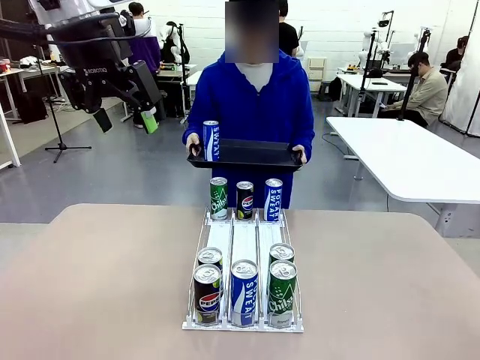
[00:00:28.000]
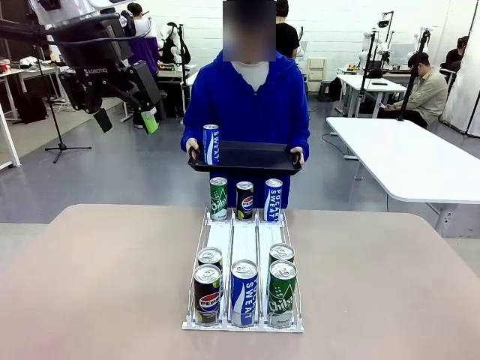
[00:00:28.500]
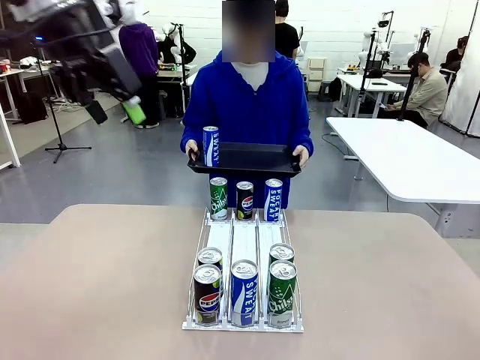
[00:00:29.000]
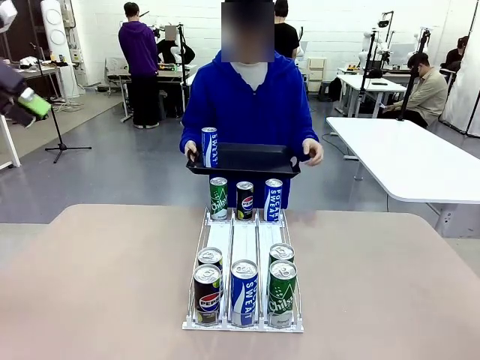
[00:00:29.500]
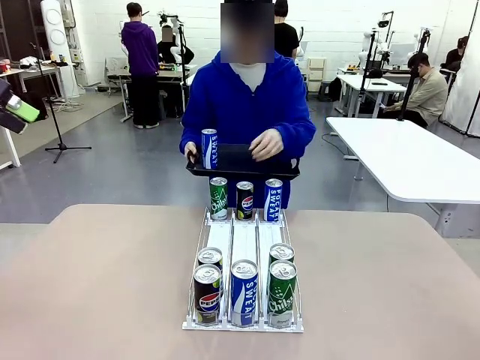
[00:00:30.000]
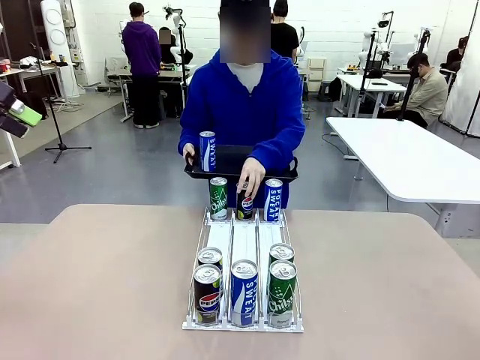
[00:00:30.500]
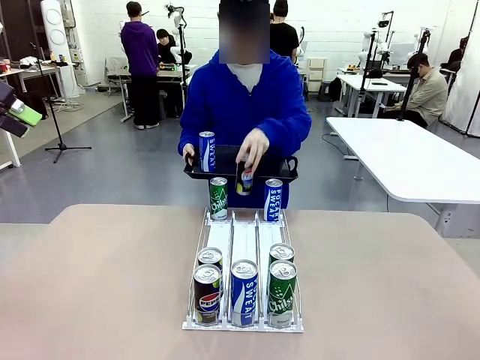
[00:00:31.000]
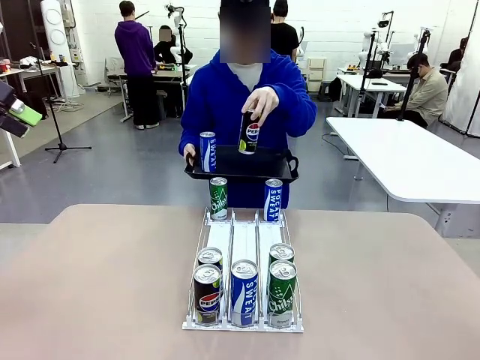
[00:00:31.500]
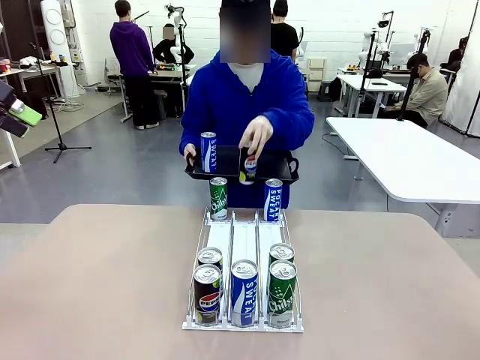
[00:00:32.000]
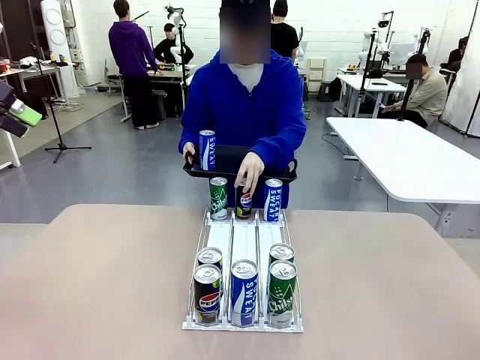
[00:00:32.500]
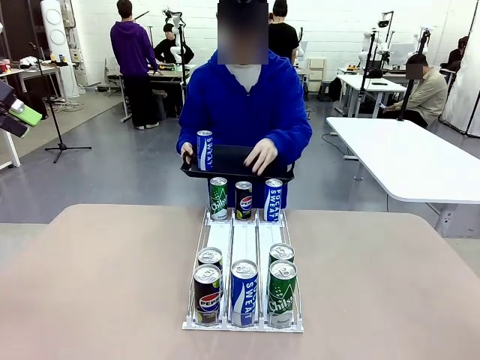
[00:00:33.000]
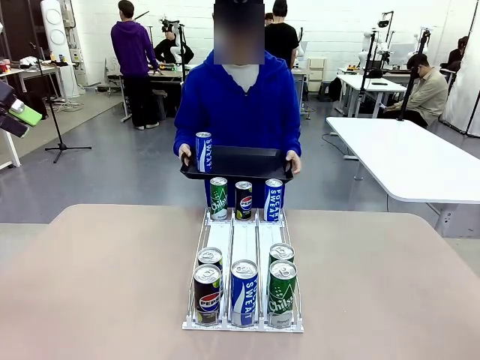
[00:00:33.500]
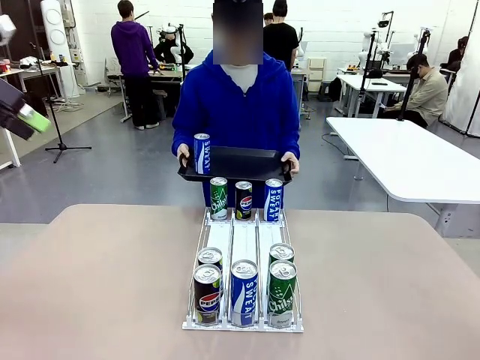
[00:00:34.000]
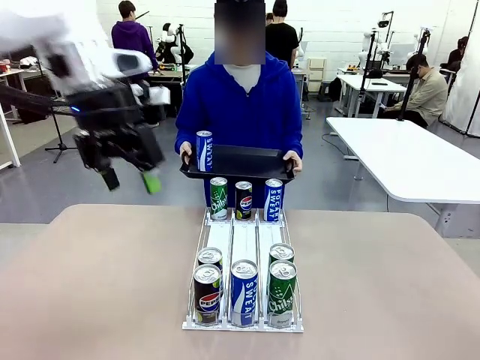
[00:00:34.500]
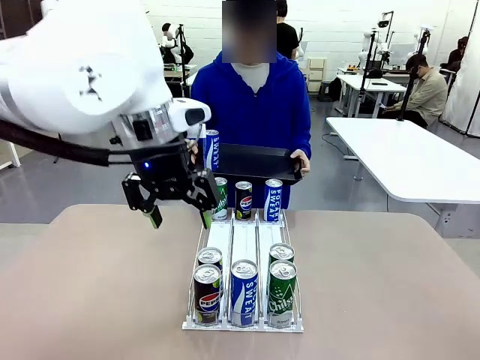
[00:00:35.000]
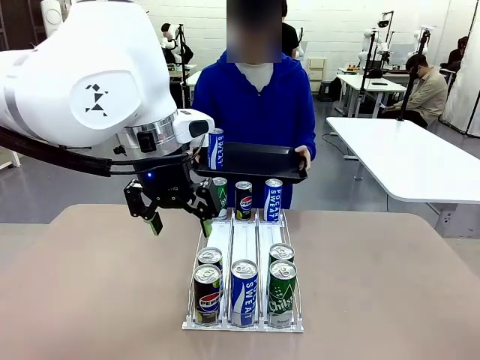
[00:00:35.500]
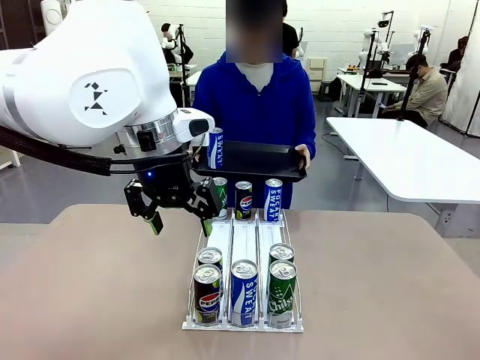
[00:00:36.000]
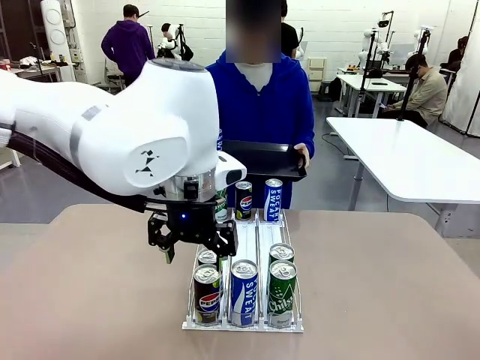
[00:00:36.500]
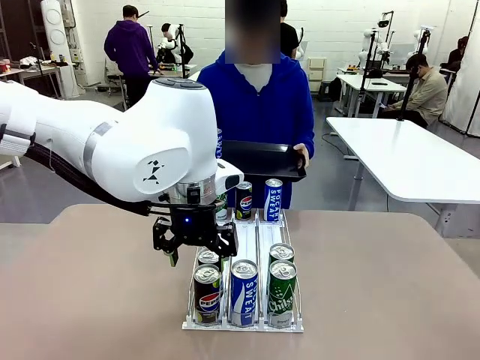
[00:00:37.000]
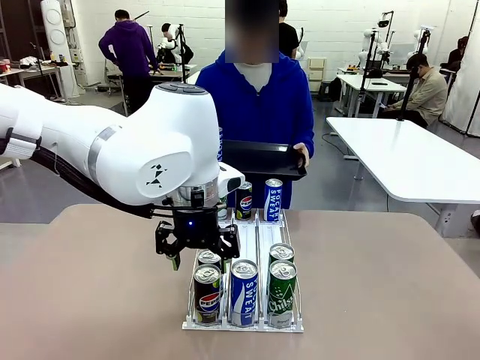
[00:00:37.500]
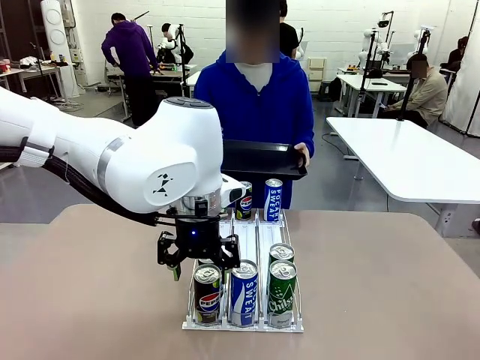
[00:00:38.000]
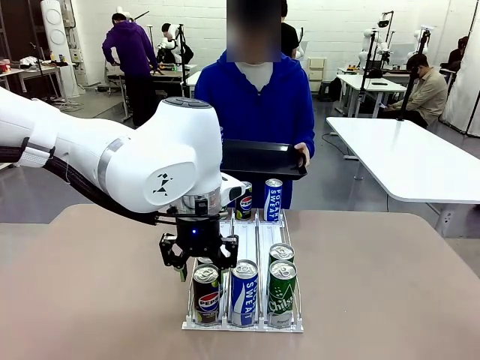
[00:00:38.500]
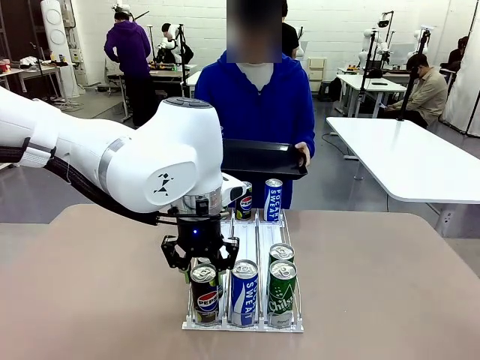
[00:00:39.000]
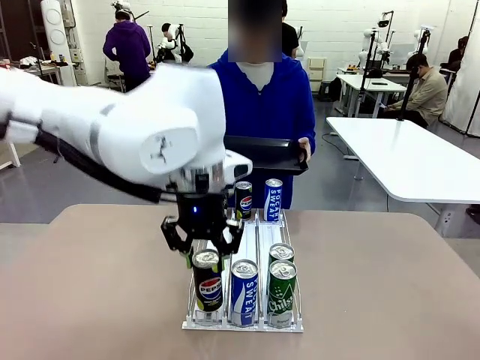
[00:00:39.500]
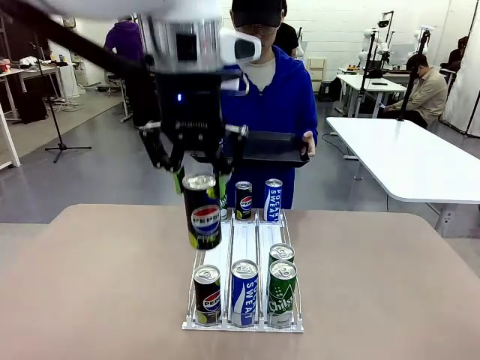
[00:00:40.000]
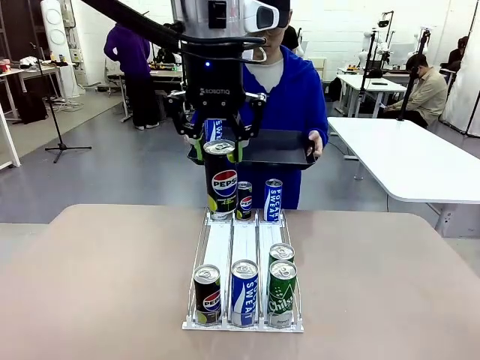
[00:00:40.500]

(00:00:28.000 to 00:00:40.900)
Task: Retrieve and hand over the desired beverage to the person.
Robot: Pick up another can of the same type that the person held from the Automatic Can Dispenser.
Person: Pull the tray back, then pick up another can from the bottom area of the table and puts it back in its original place. Push the tray toward the robot again.

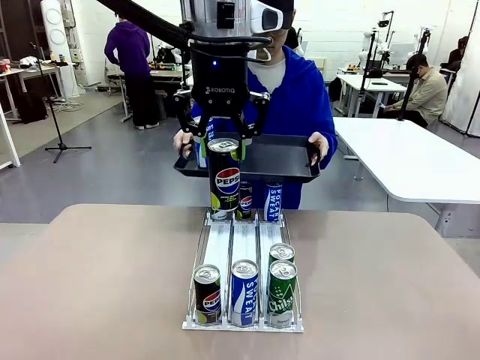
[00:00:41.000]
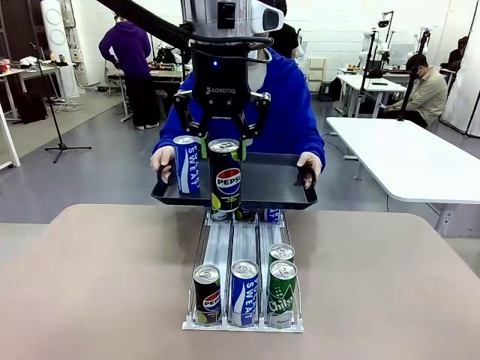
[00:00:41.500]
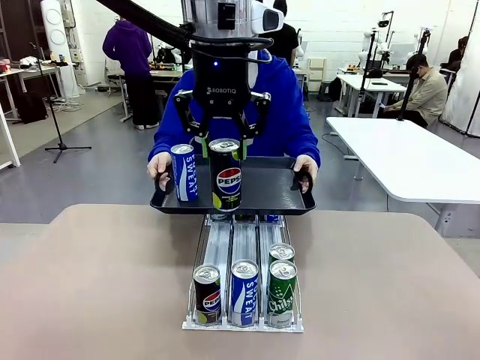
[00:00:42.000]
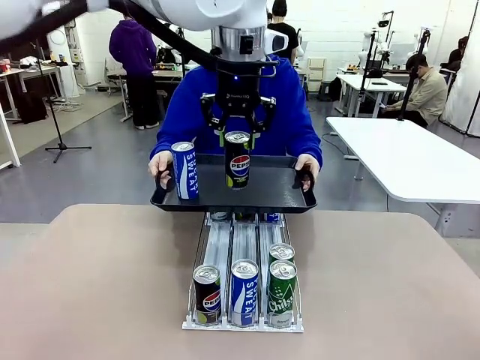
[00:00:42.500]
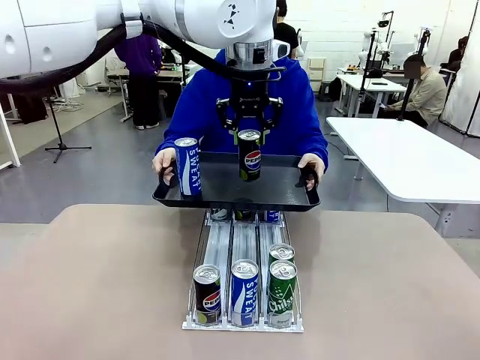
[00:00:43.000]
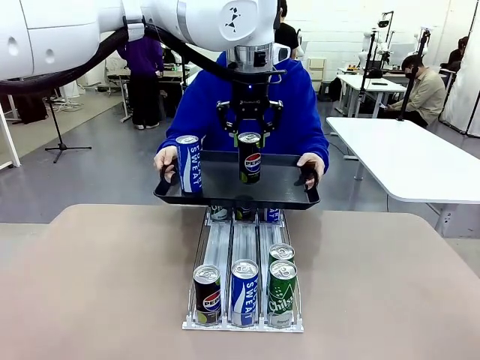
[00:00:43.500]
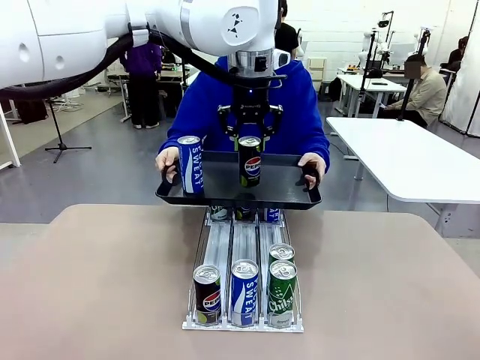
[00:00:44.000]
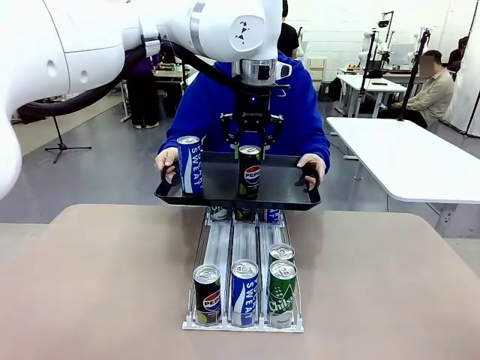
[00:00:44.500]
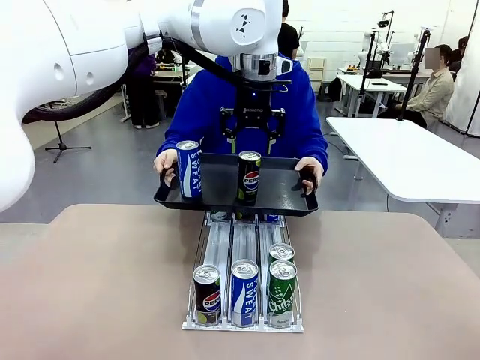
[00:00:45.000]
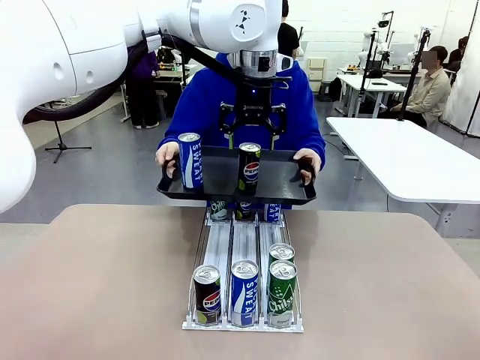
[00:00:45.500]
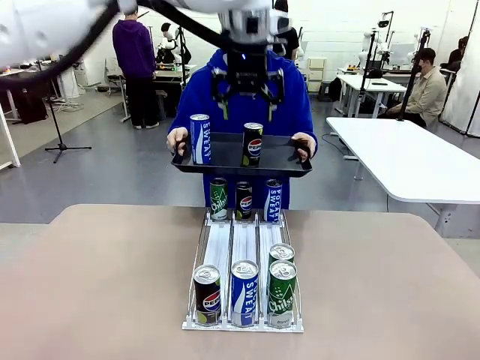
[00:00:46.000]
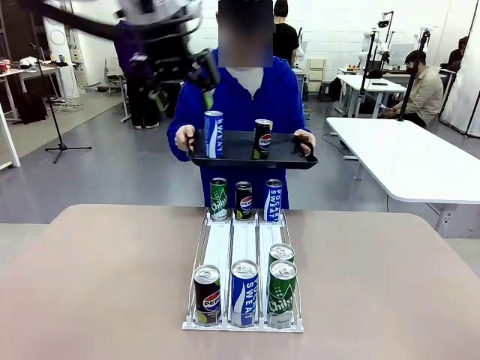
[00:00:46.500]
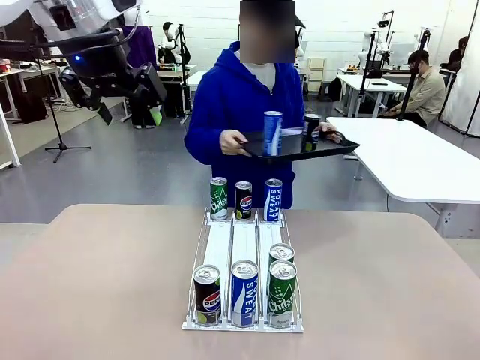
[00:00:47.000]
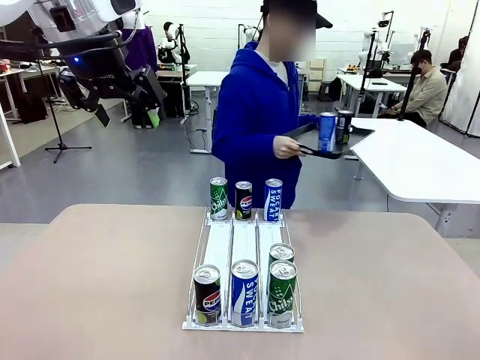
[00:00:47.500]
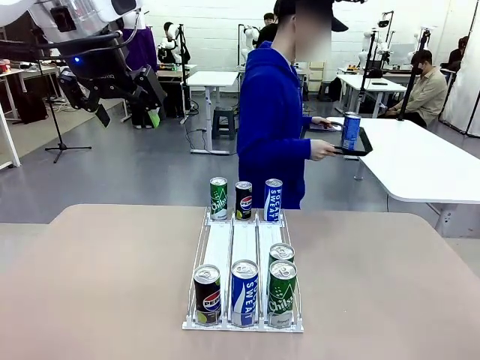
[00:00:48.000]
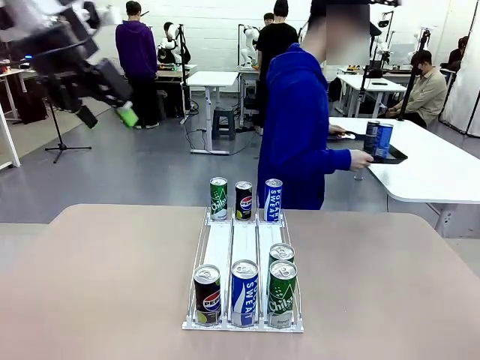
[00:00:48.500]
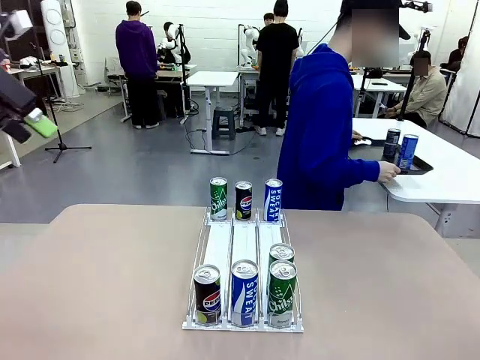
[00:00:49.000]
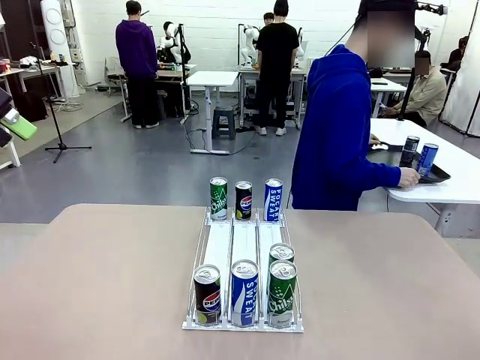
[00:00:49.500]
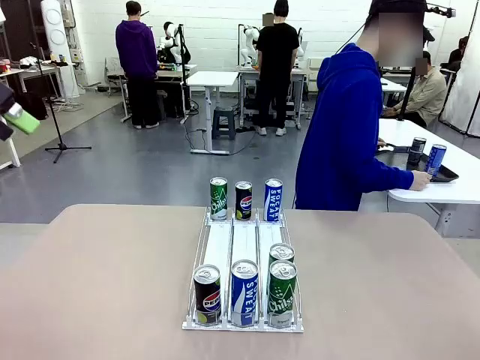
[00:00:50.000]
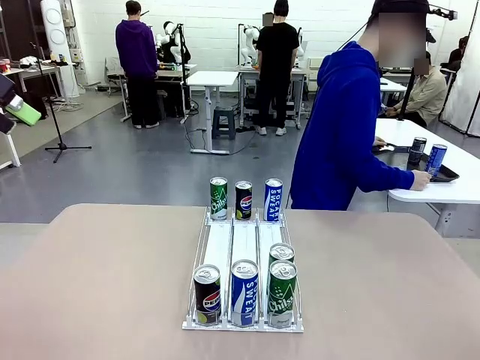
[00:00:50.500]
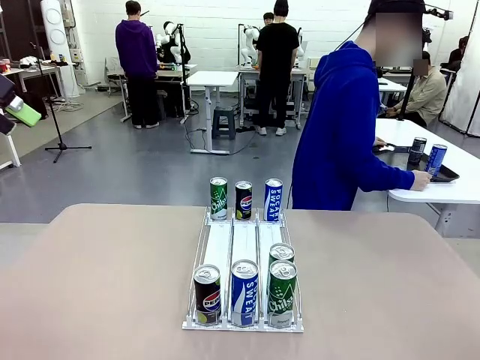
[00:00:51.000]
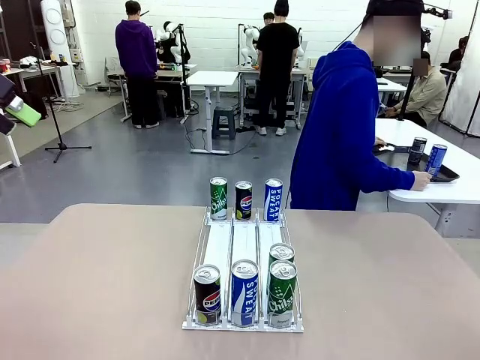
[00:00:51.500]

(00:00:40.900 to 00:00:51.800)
Robot: Place the picked can on the Handle tray extended by the person.
Person: Pull the tray back and place it at the center of the human table.

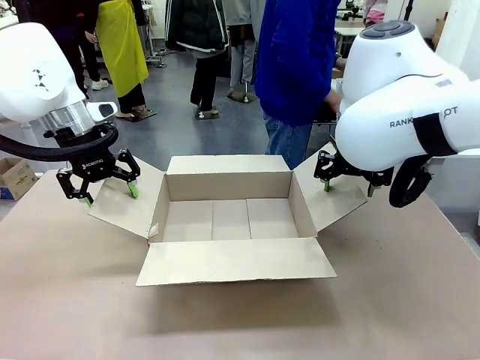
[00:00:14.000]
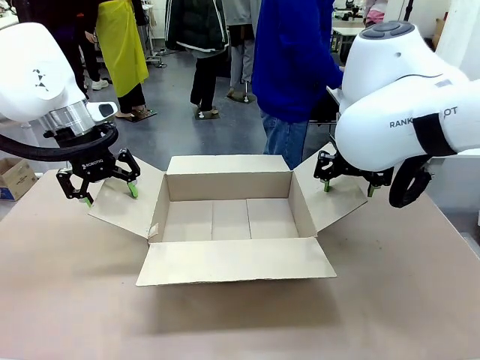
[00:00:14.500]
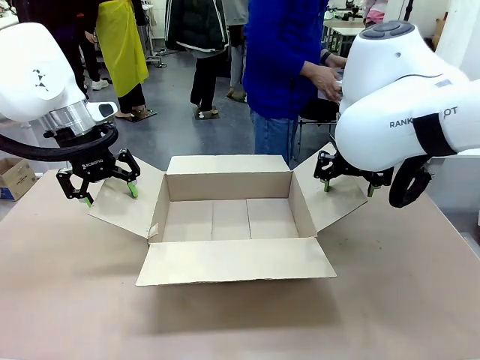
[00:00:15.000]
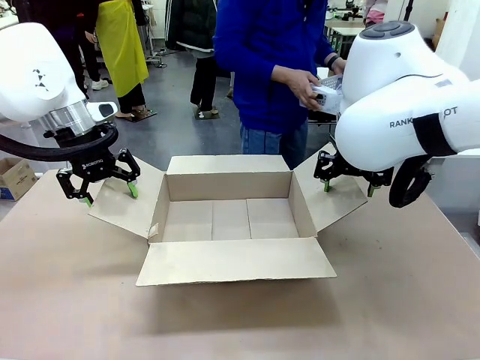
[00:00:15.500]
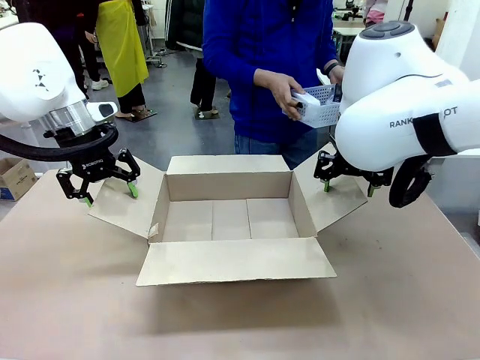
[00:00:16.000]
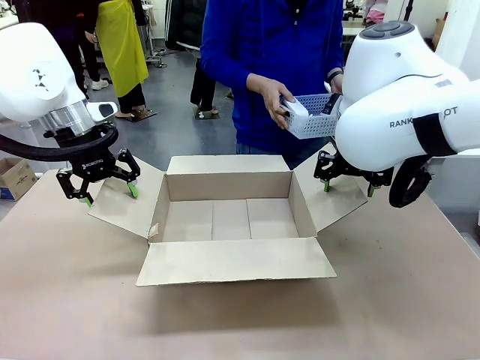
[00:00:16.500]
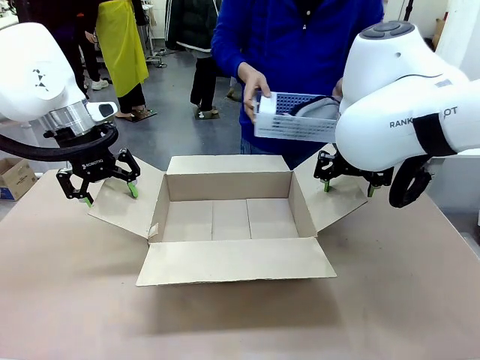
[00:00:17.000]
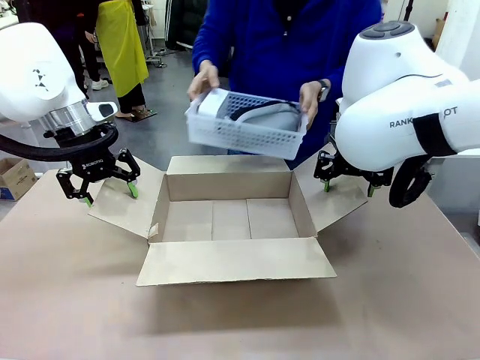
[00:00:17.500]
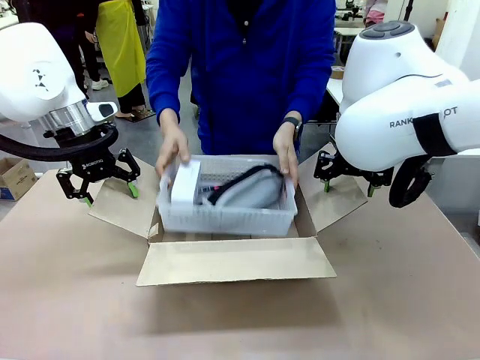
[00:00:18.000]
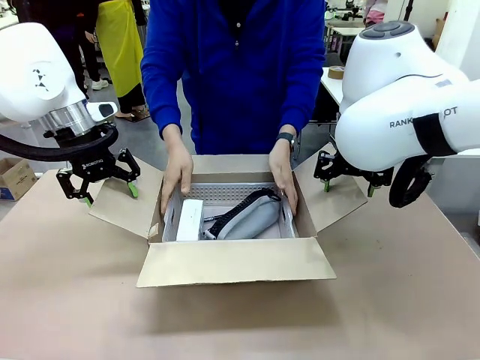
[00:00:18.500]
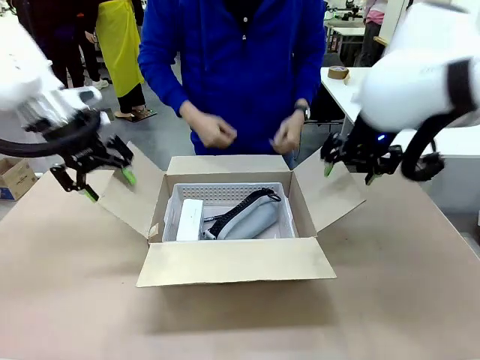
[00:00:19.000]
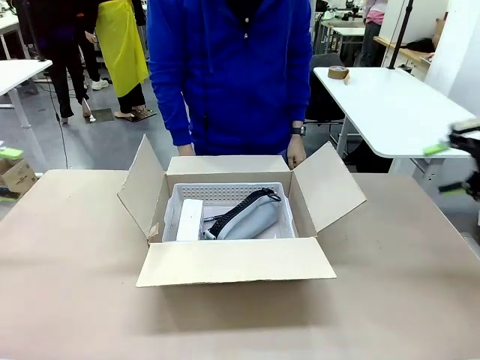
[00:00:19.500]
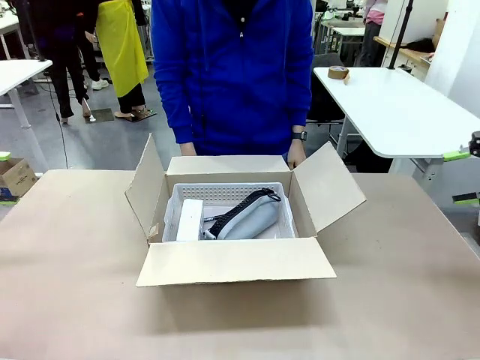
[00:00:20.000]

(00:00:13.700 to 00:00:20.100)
Task: Pack the gift set into the box.
Robot: Lift both hands away from the flaps of the Package Box.
Person: The human picks up the organizing basket and places the organizing basket into the package box on the robot table.
